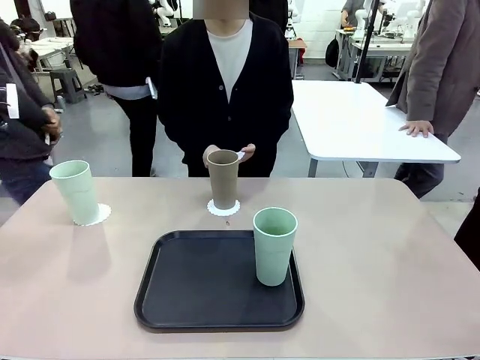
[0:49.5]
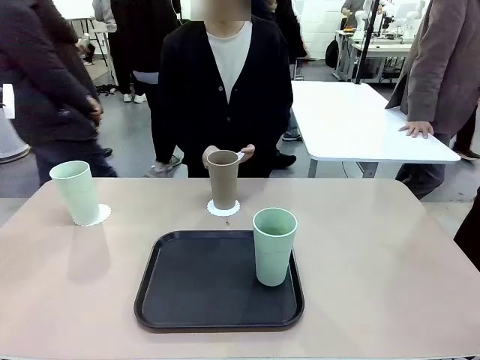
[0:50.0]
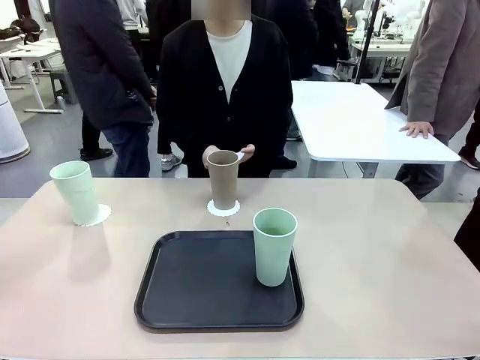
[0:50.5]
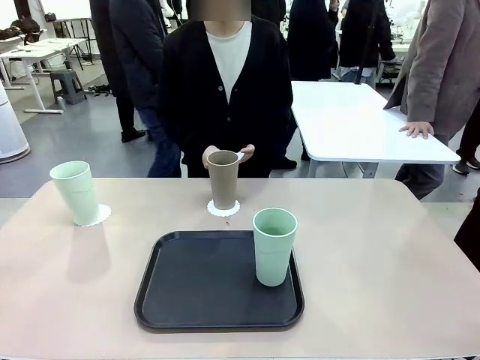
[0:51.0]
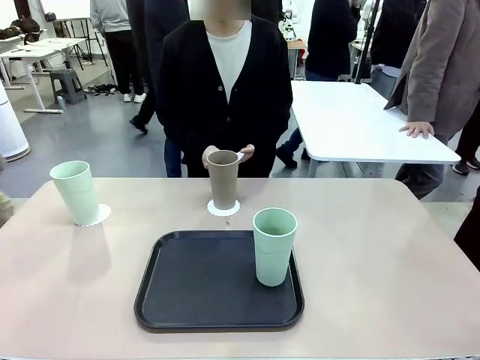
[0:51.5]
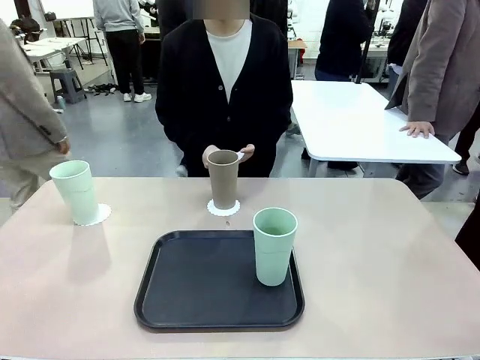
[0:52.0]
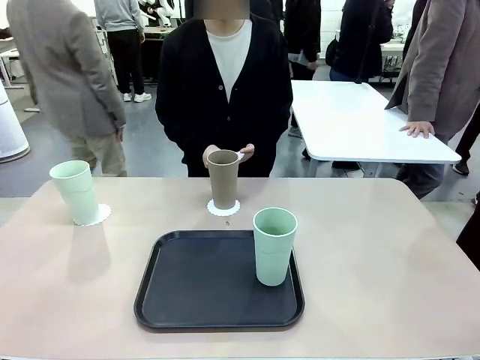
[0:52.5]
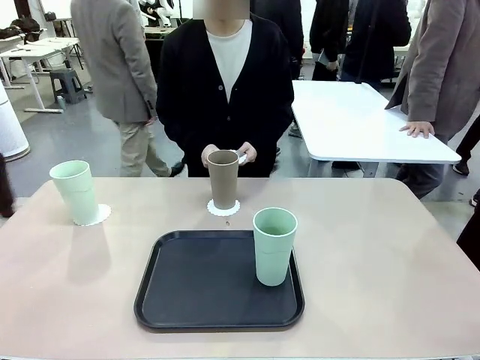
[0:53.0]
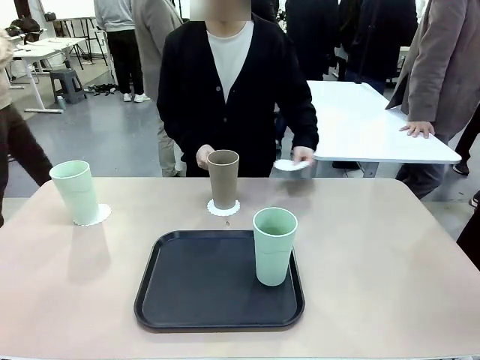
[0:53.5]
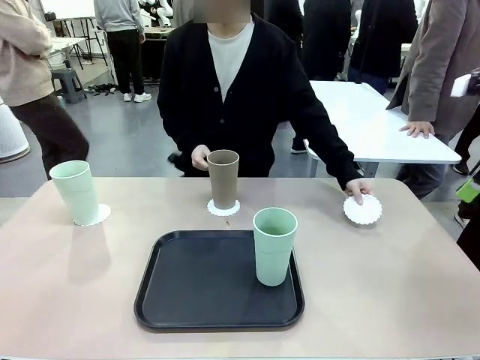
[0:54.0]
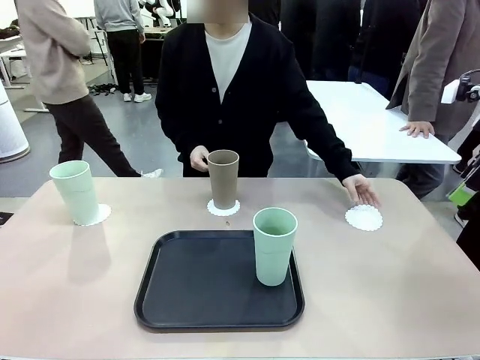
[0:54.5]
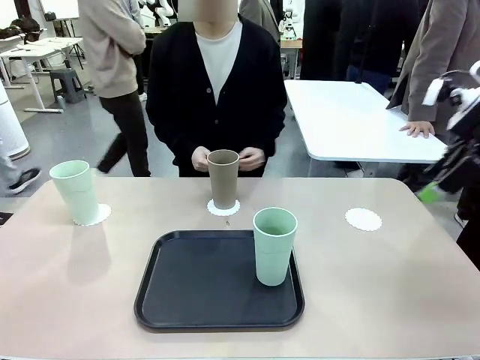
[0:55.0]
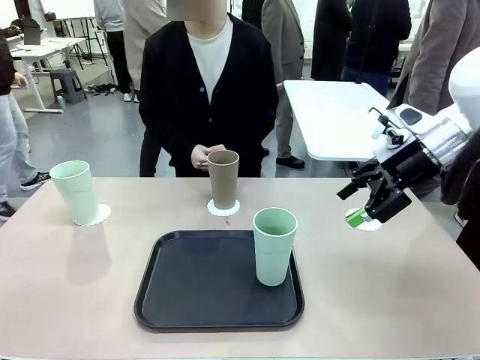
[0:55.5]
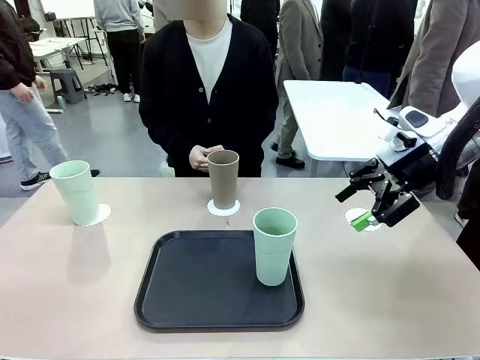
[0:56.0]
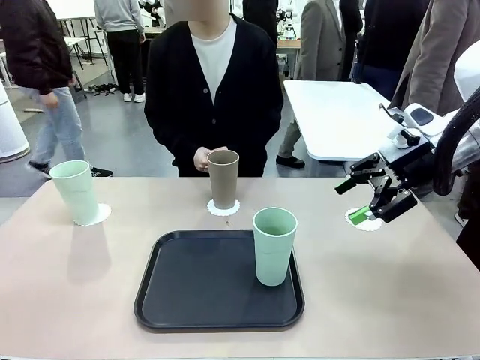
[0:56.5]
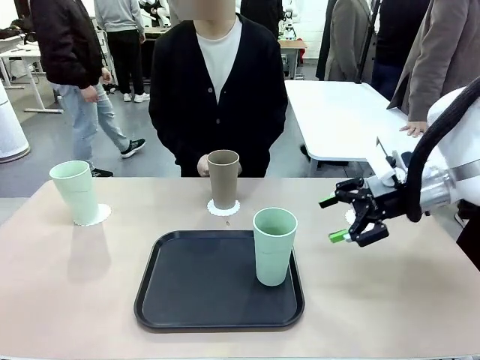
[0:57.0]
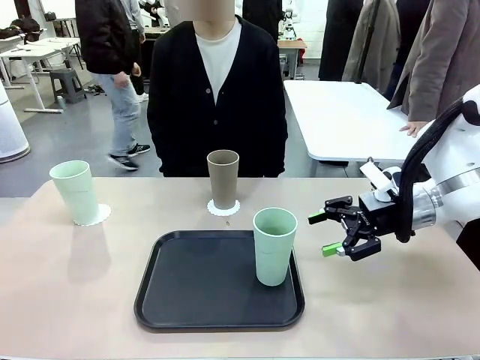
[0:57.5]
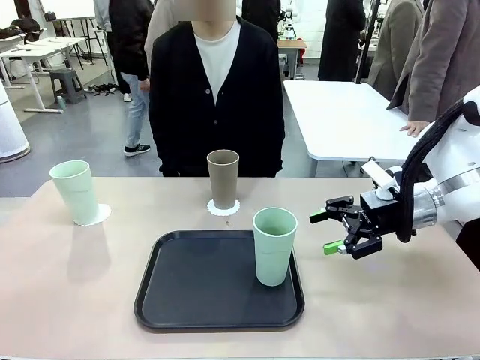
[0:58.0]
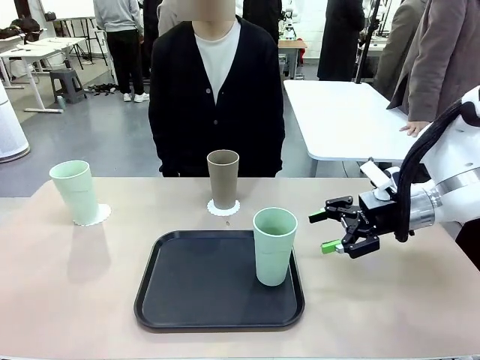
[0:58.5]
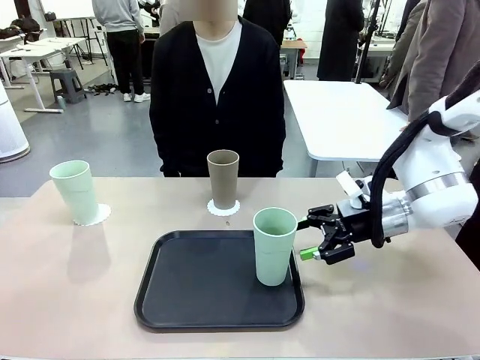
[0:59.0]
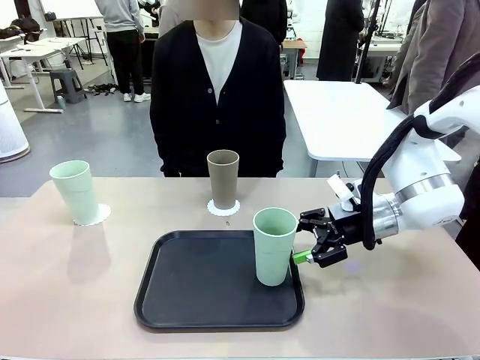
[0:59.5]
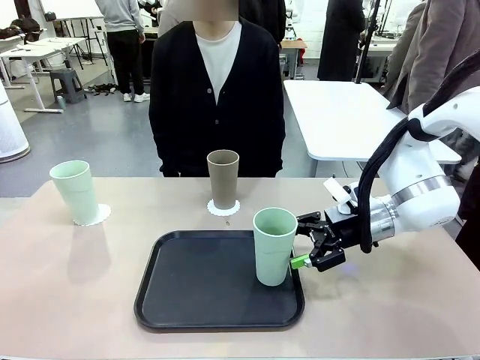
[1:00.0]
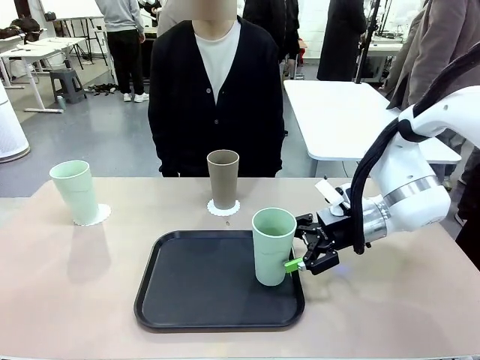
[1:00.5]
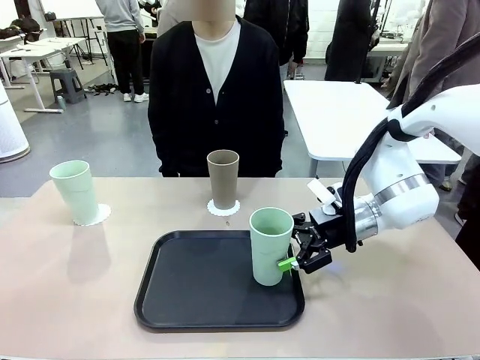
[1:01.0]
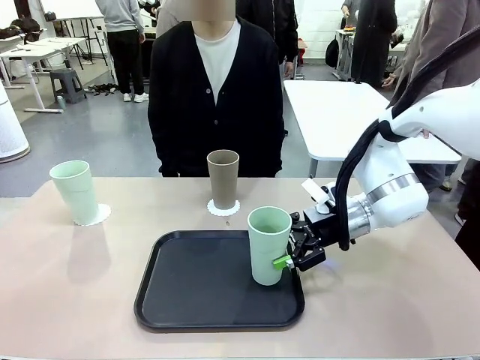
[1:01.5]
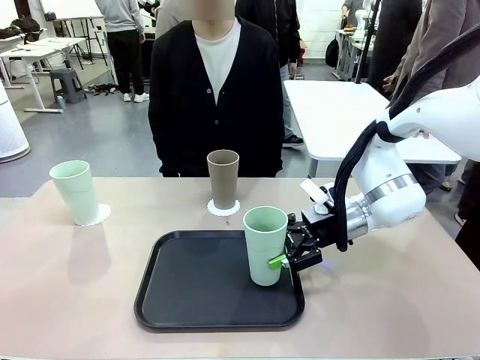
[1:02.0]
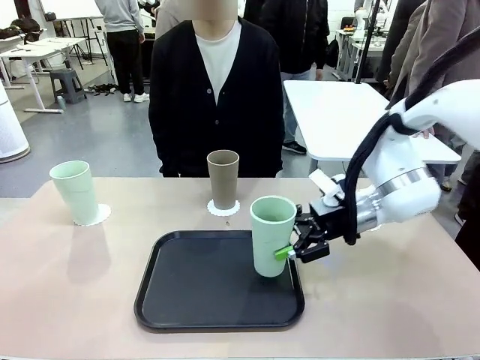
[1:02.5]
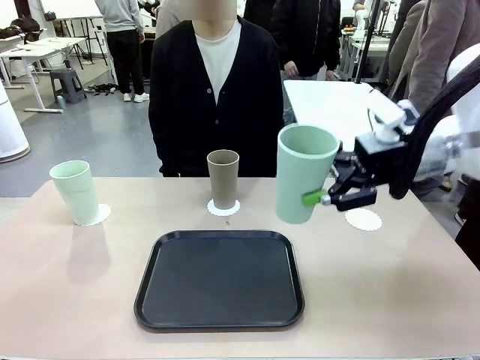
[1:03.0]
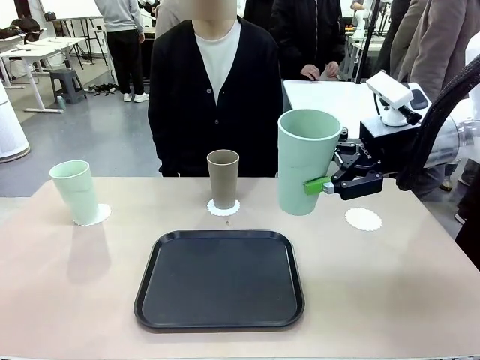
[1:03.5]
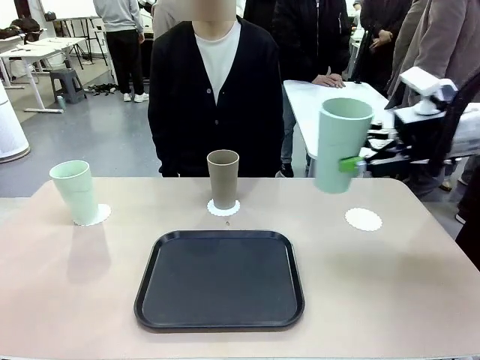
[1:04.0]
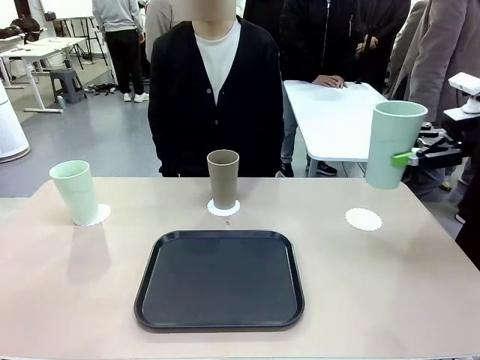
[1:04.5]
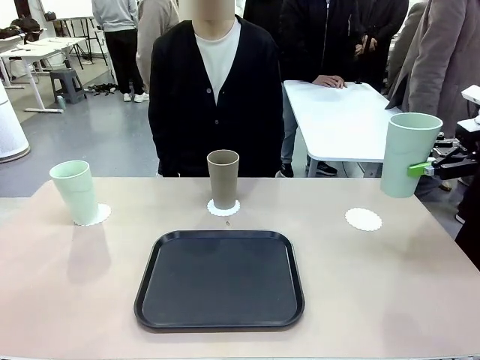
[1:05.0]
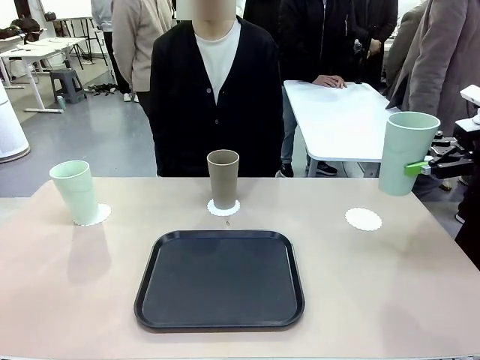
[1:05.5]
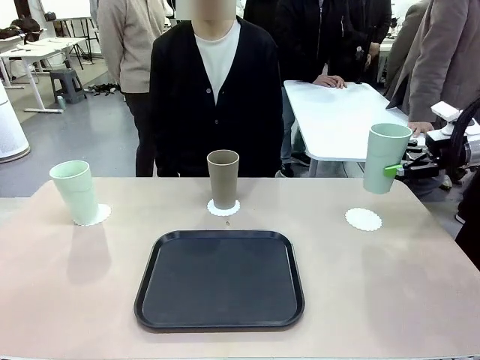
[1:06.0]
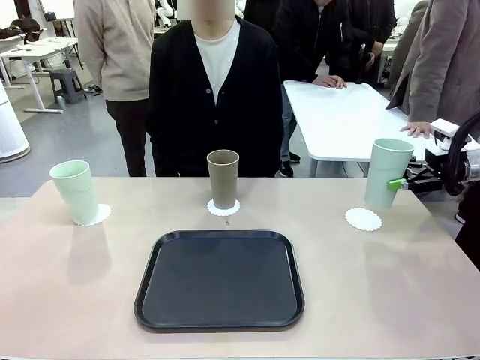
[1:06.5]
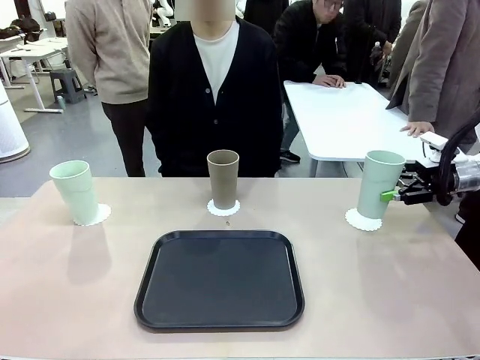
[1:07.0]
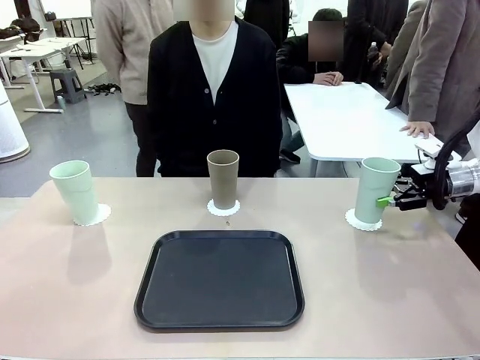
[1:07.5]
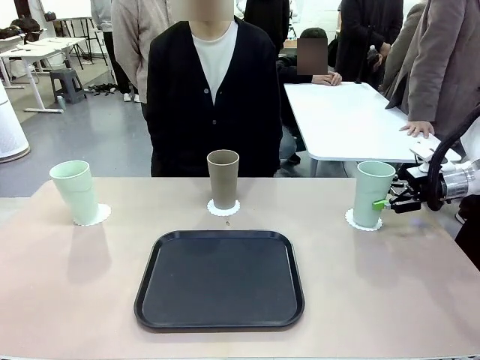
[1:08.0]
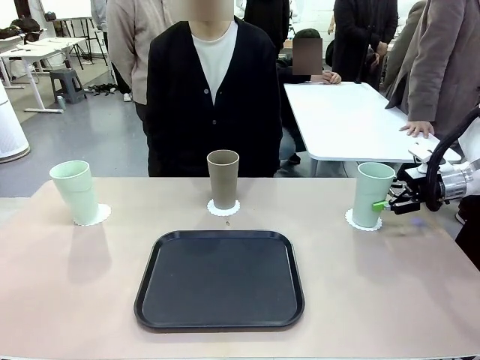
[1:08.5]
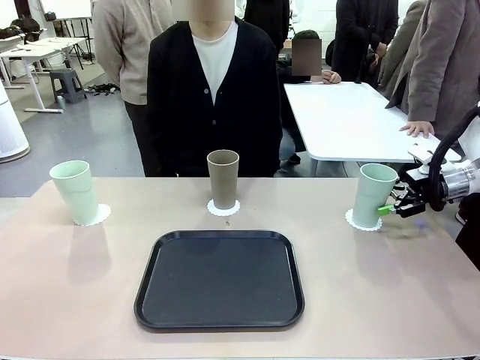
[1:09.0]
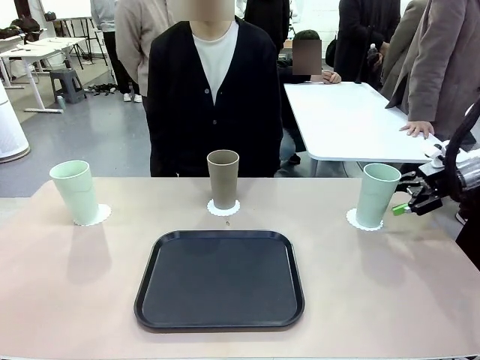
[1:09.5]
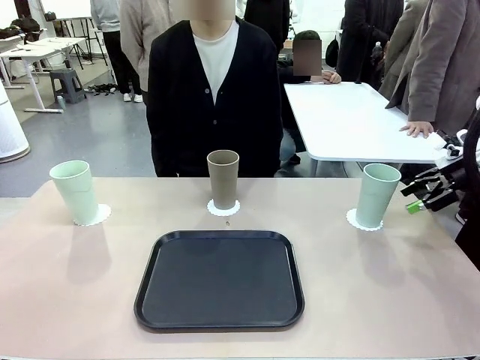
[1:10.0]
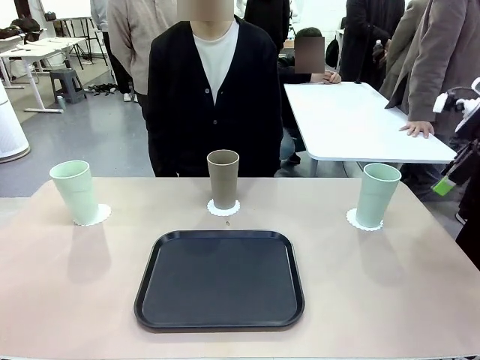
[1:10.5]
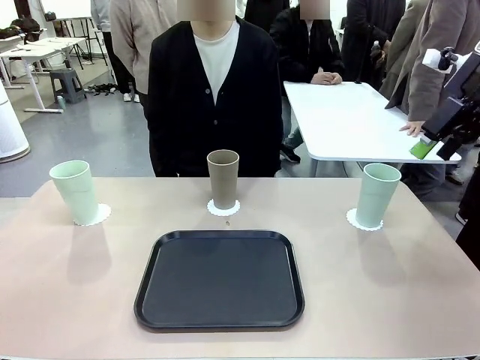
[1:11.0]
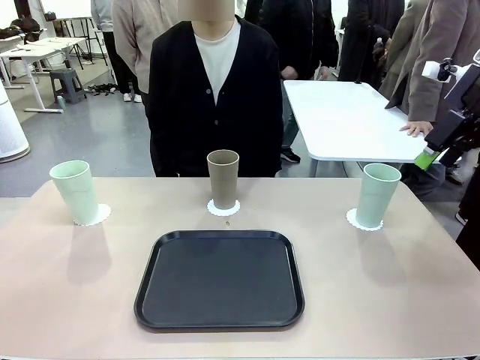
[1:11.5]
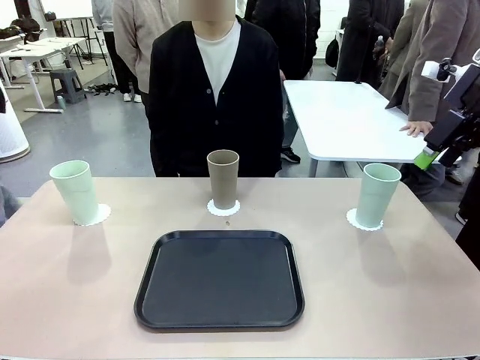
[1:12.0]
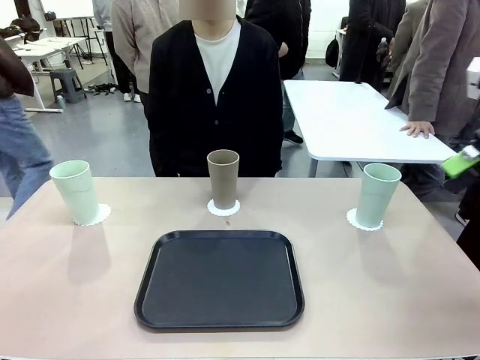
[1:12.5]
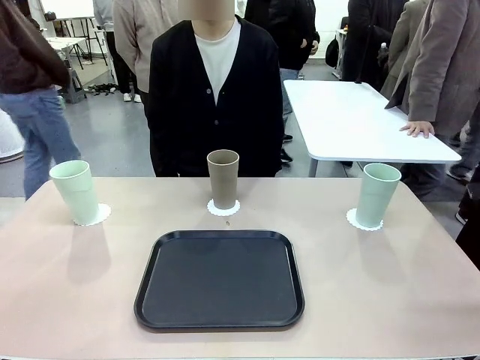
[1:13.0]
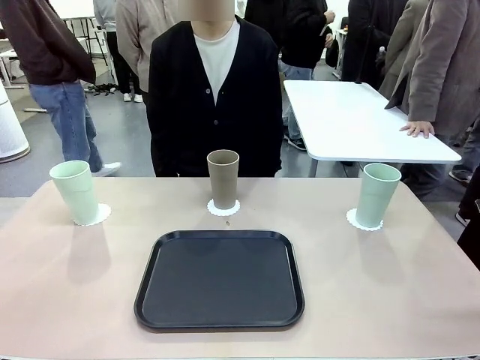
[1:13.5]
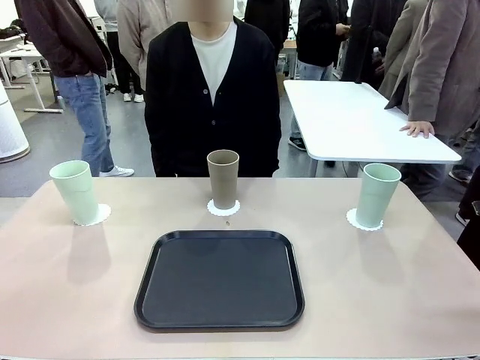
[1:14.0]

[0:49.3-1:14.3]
Task: Place coasters on the table and set cups on them.
Robot: Take one Reusable plastic cup from the Flat Tray and place it on a coaster set by the human.
Person: Place one coaster in the only remaining area.
